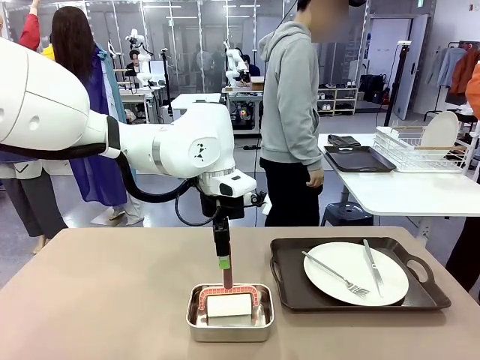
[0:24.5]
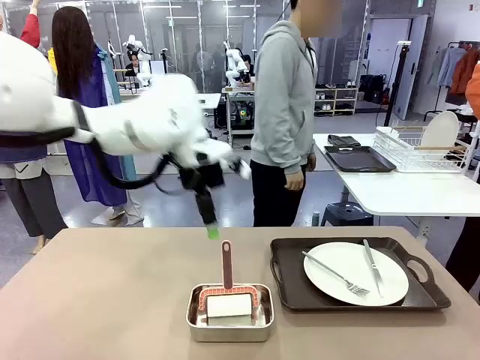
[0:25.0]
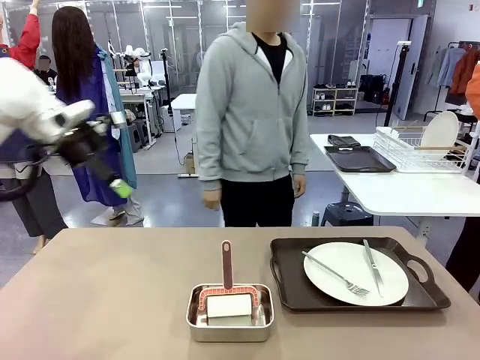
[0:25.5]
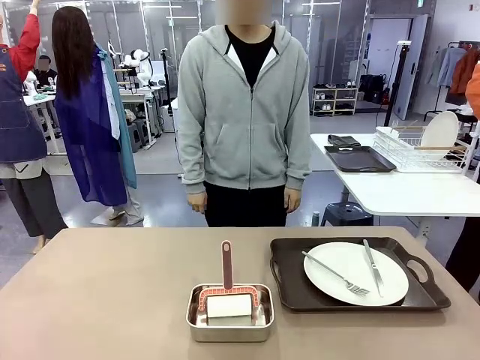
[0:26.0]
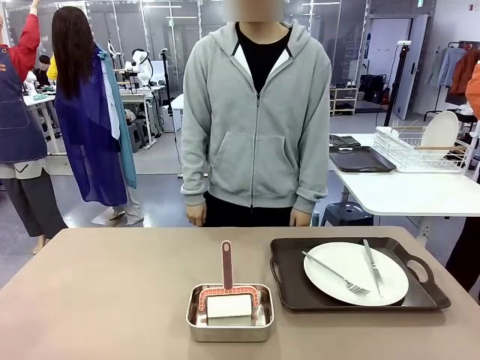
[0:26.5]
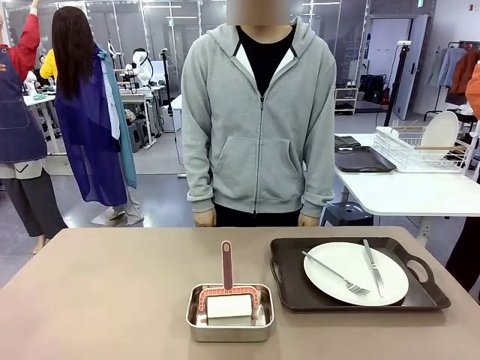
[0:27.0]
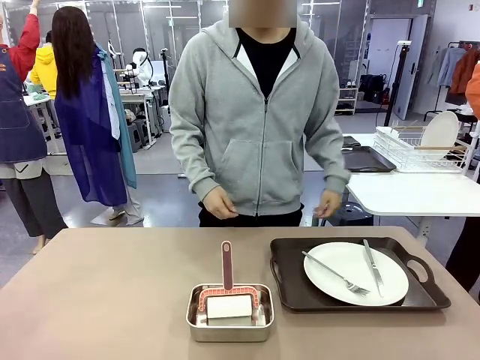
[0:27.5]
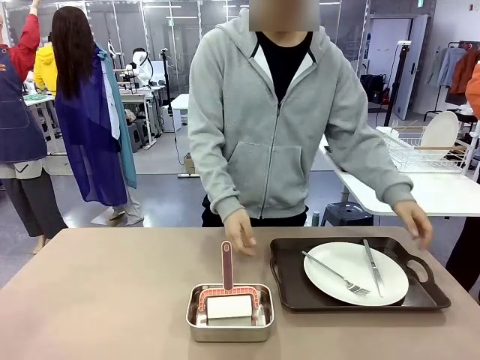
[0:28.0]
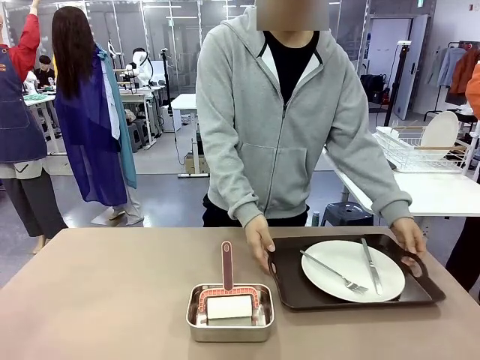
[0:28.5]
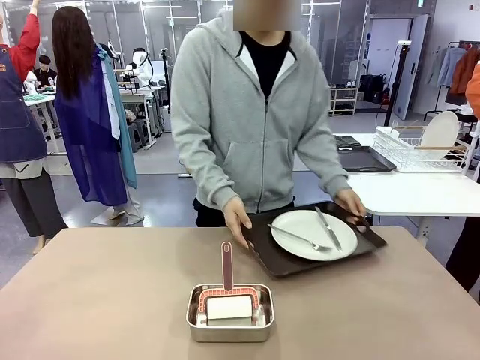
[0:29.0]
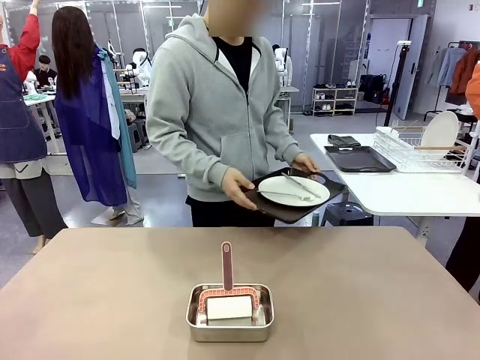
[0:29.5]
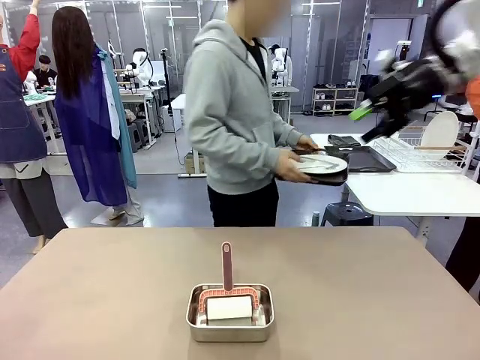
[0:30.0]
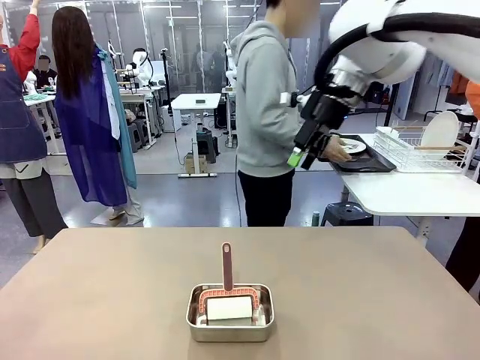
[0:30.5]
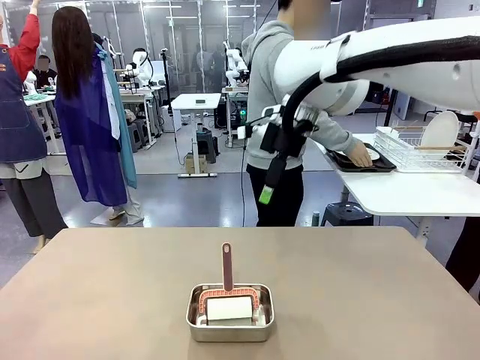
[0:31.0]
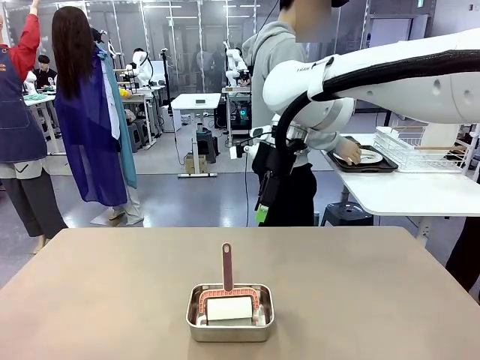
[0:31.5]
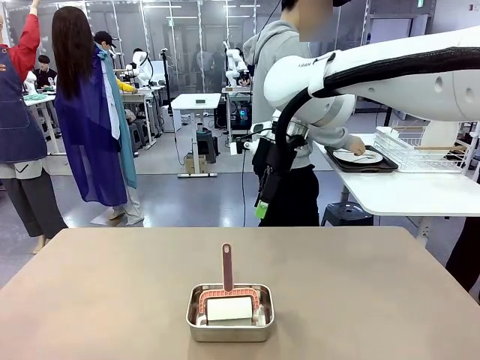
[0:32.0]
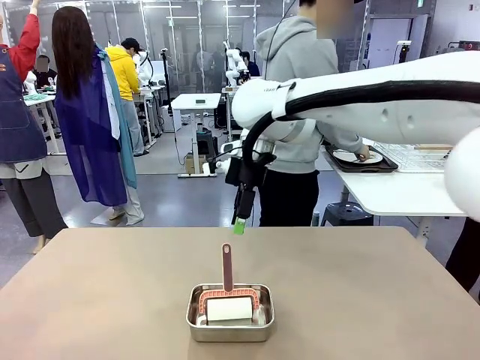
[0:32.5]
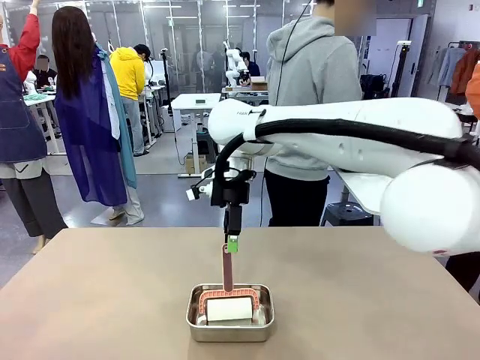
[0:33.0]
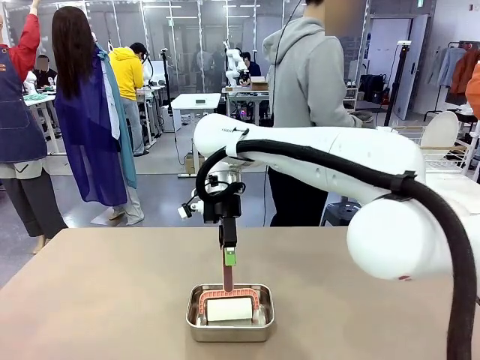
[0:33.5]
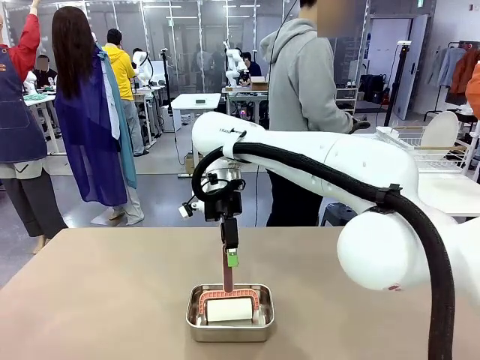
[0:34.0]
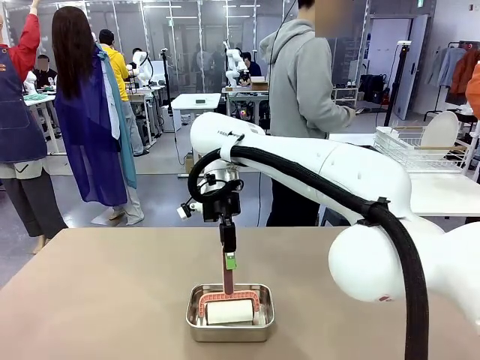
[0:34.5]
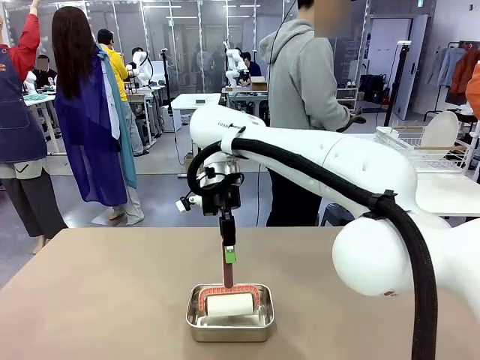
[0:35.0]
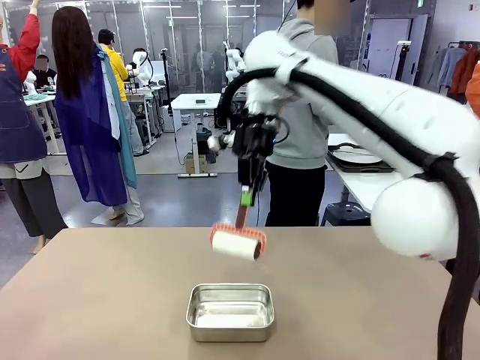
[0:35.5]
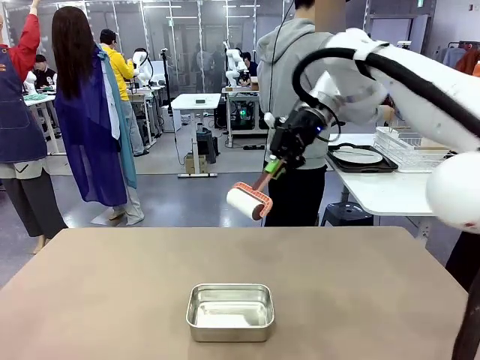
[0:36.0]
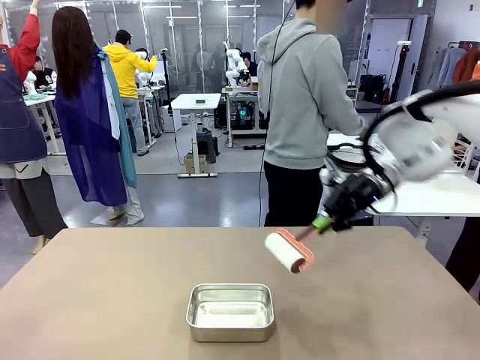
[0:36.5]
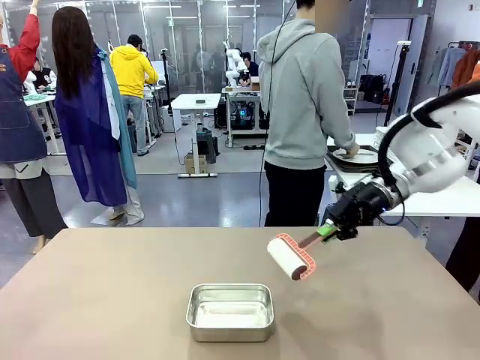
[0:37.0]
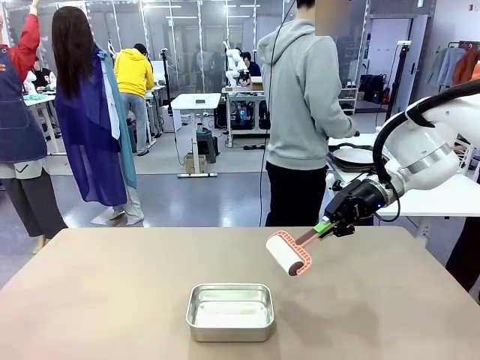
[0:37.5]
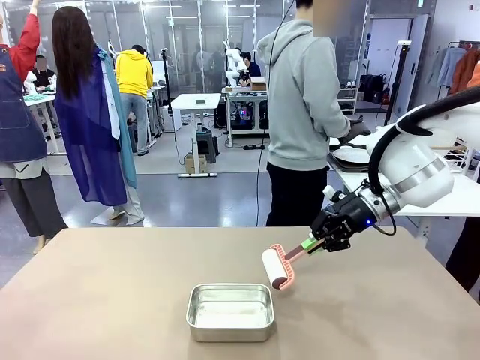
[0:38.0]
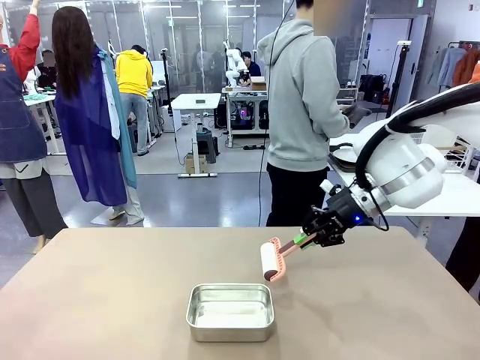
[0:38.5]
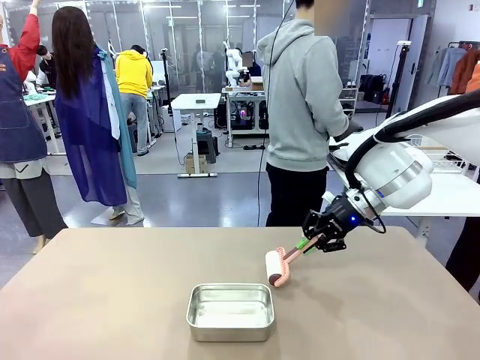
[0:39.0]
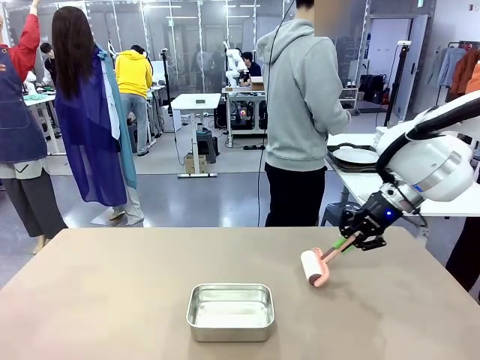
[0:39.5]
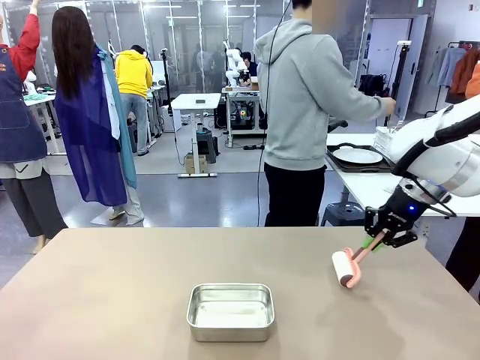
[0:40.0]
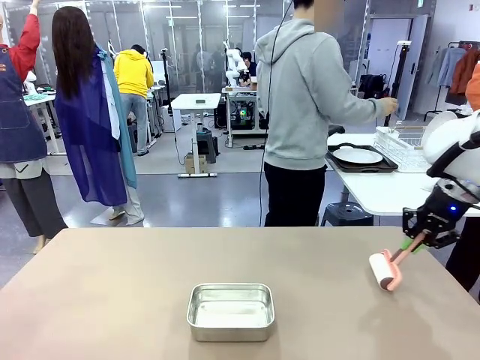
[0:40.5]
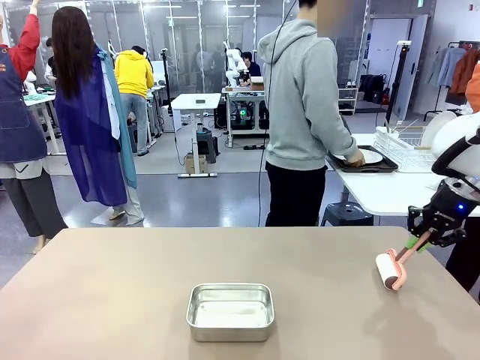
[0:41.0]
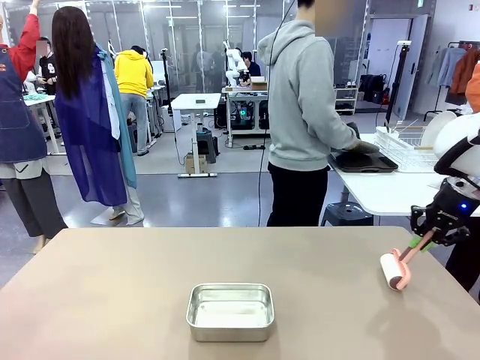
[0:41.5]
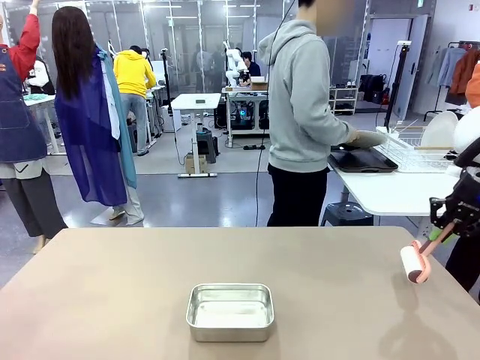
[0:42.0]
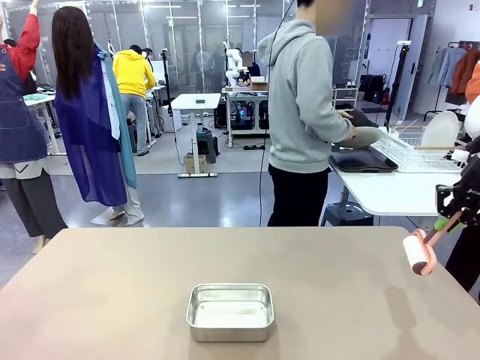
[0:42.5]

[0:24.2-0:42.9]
Robot: When the right (or left) Handle tray is removed, use the right hand (or left hand) to clean the right (or left) side of the table with the Lint Roller.
Person: Pick up the left (or right) Handle tray and place it on the Handle tray. Use the Towel with hook to wipe the Plastic Matte Plate , Fork , and Knife and place into the Dish drying rack.

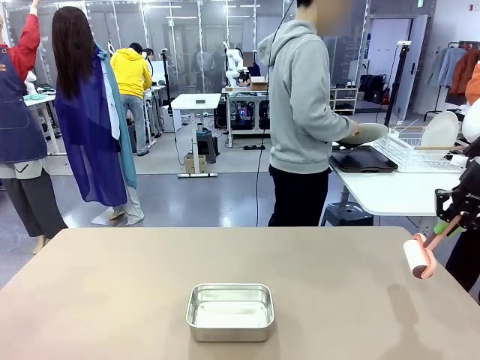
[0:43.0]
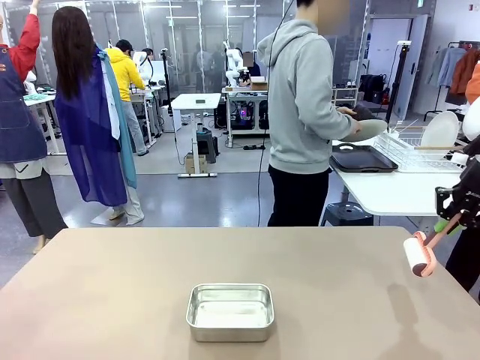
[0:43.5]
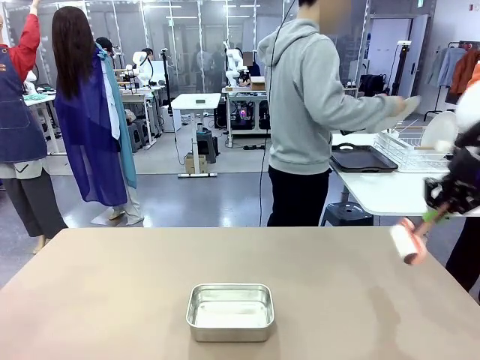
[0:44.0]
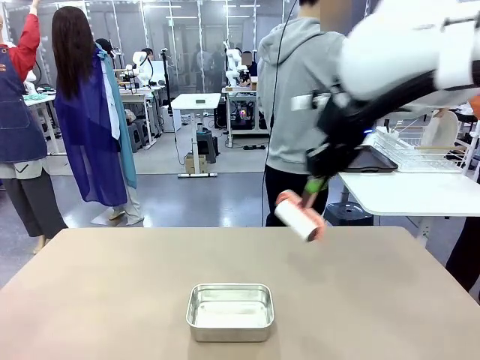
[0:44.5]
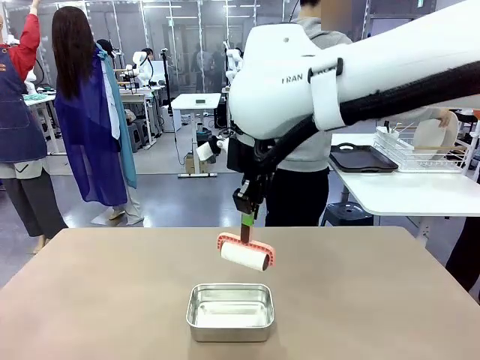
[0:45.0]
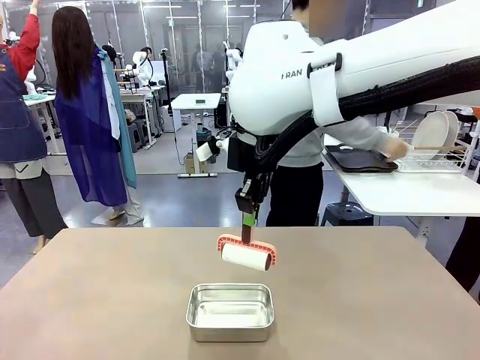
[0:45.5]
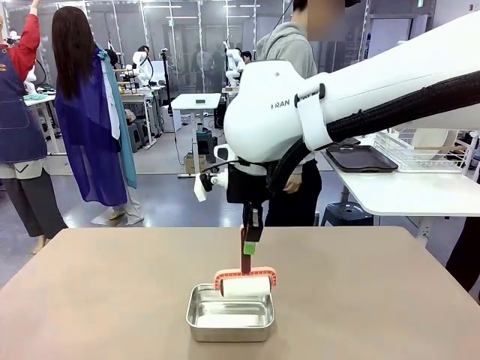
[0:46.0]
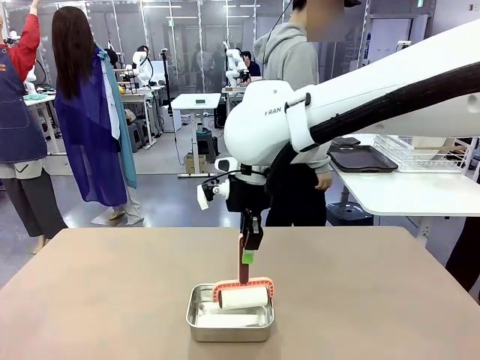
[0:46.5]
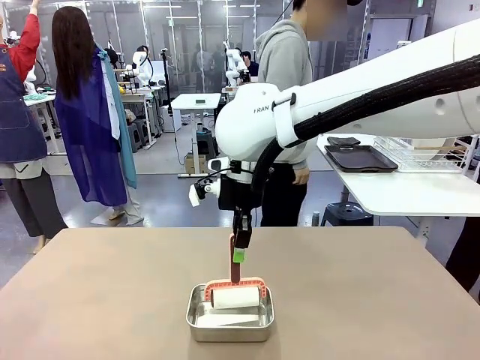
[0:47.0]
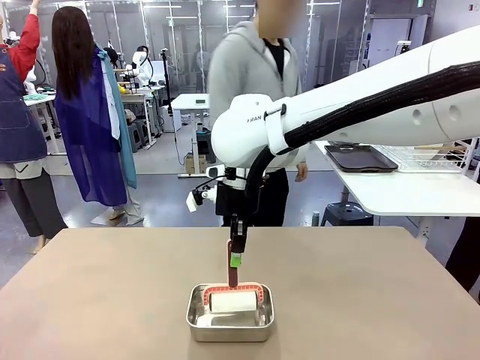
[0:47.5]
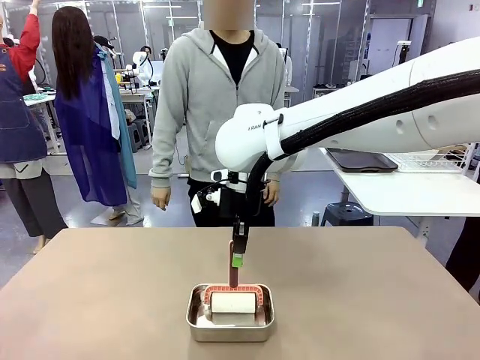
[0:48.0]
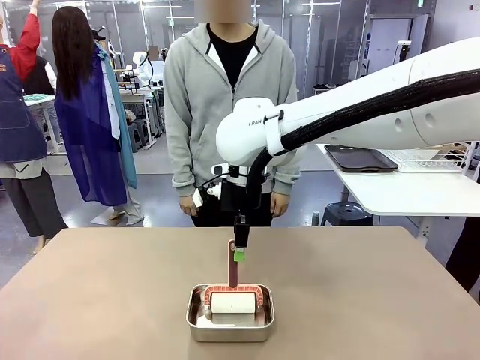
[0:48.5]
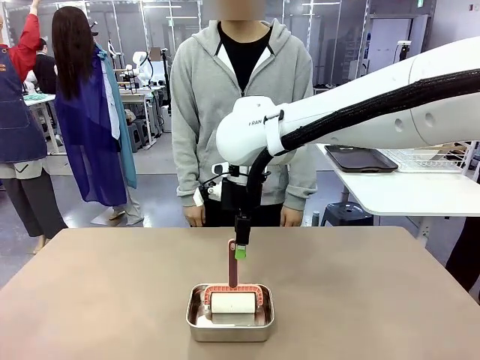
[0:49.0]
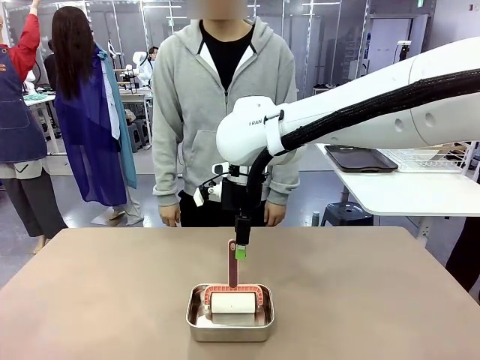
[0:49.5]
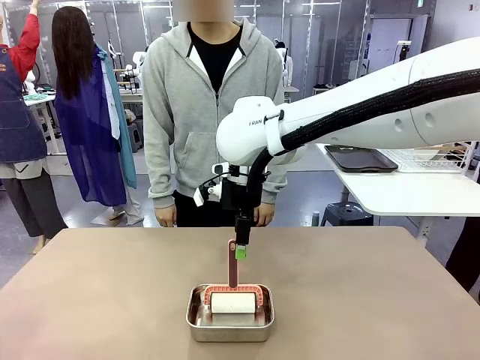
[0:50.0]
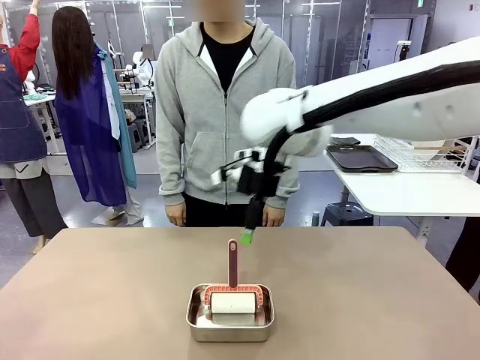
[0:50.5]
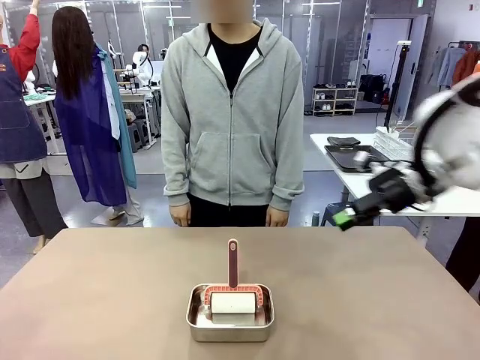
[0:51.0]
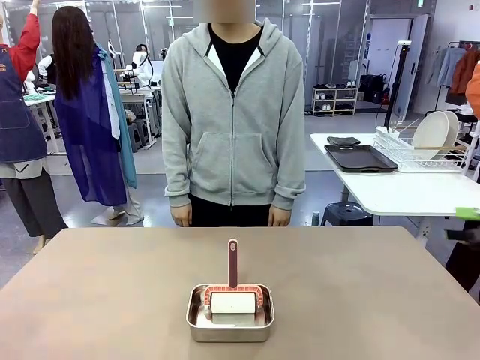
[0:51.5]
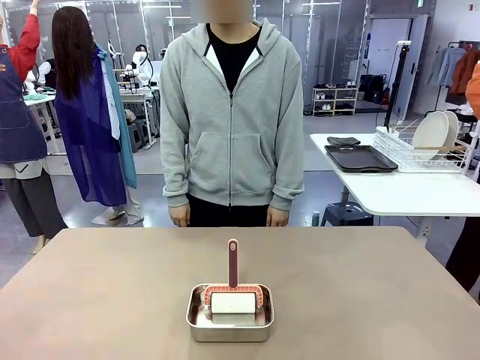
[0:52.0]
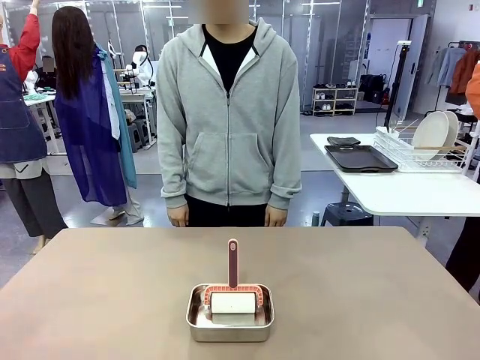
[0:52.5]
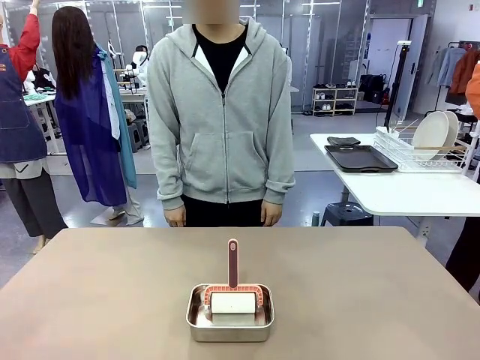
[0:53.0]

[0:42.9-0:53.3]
Robot: Place the Lint Roller back on top of the Airtight Container.
